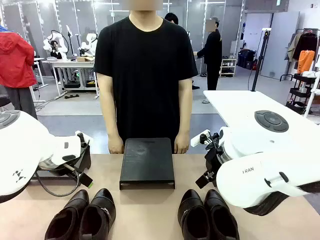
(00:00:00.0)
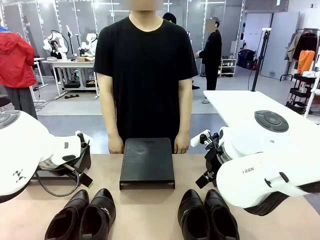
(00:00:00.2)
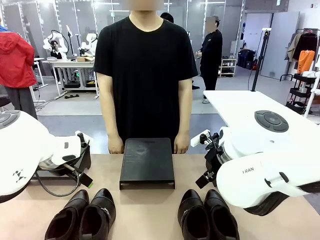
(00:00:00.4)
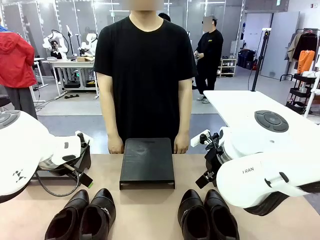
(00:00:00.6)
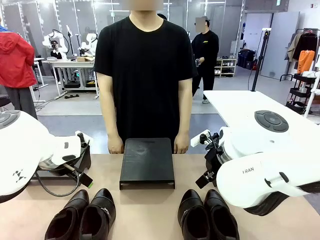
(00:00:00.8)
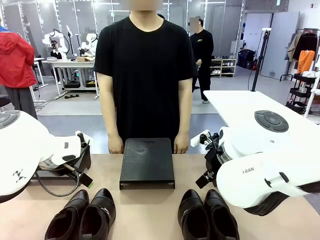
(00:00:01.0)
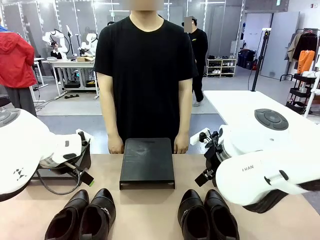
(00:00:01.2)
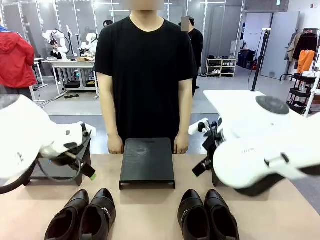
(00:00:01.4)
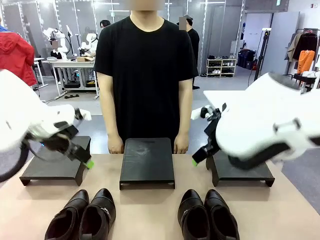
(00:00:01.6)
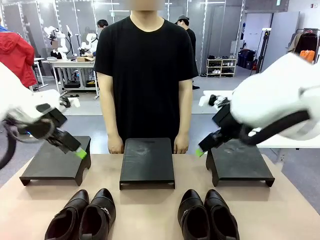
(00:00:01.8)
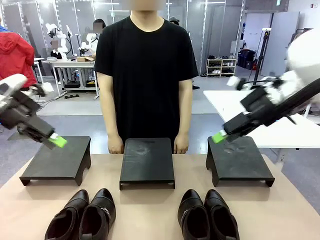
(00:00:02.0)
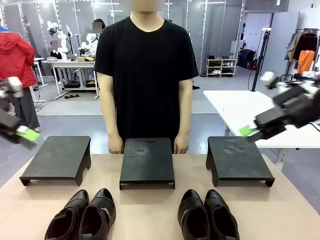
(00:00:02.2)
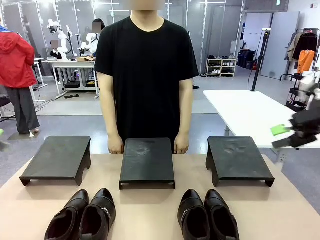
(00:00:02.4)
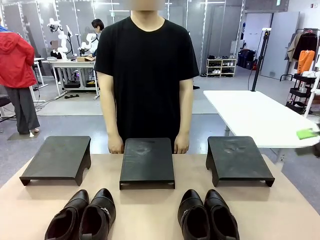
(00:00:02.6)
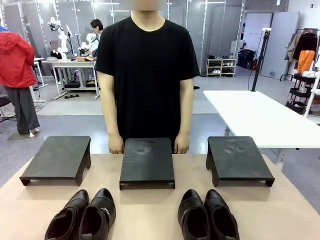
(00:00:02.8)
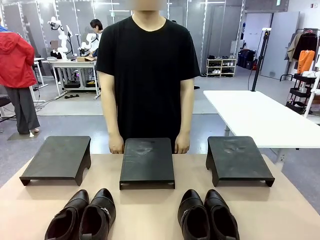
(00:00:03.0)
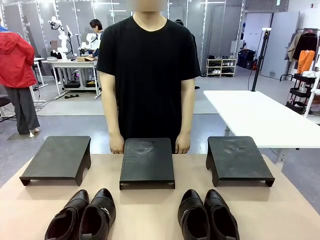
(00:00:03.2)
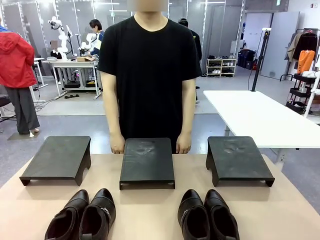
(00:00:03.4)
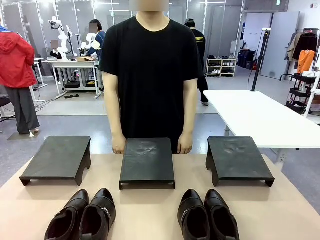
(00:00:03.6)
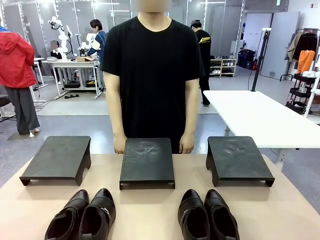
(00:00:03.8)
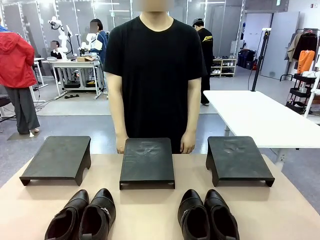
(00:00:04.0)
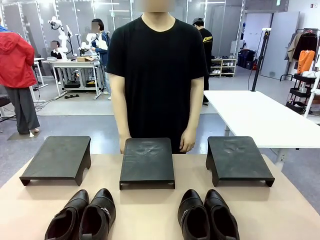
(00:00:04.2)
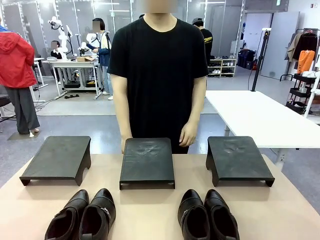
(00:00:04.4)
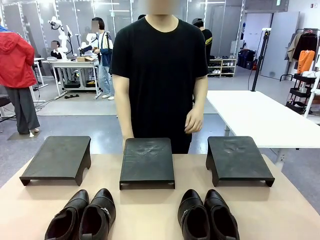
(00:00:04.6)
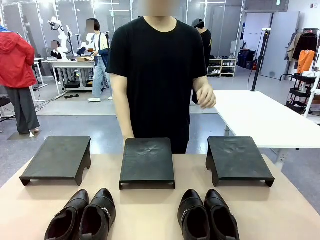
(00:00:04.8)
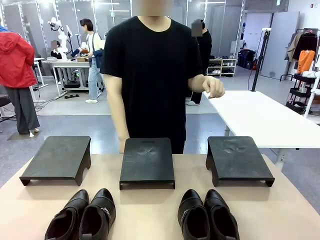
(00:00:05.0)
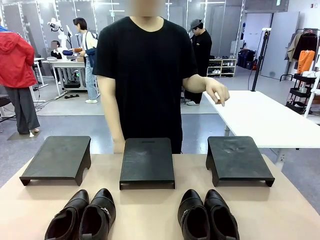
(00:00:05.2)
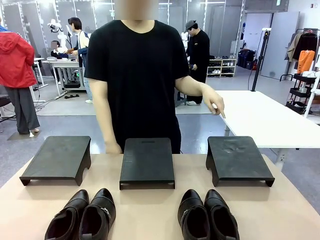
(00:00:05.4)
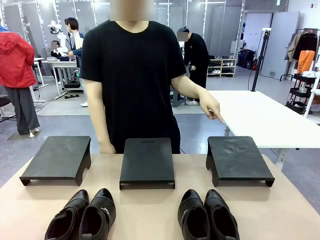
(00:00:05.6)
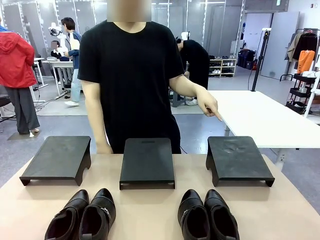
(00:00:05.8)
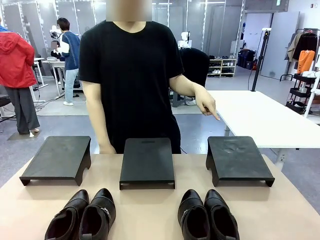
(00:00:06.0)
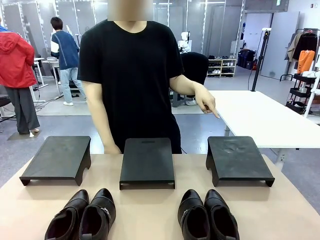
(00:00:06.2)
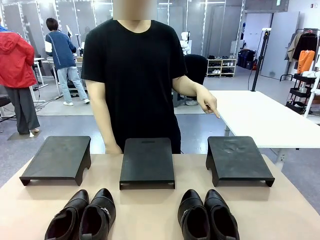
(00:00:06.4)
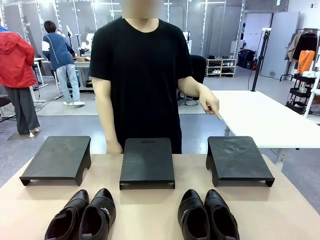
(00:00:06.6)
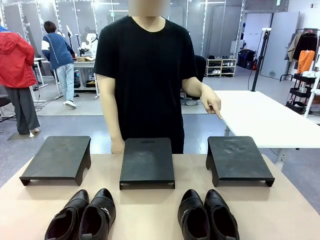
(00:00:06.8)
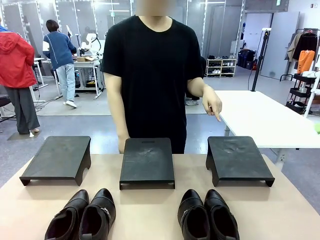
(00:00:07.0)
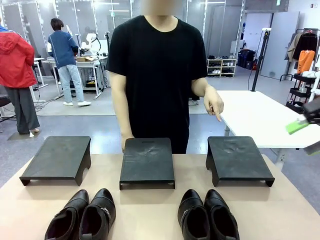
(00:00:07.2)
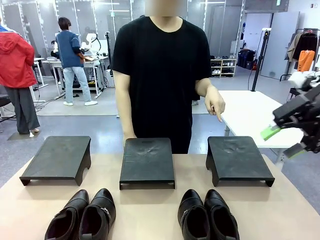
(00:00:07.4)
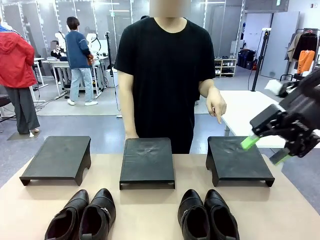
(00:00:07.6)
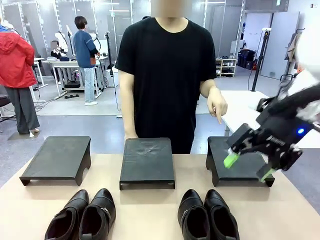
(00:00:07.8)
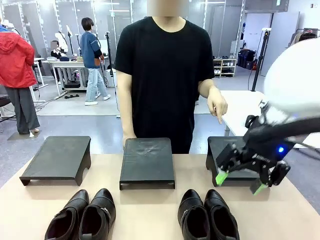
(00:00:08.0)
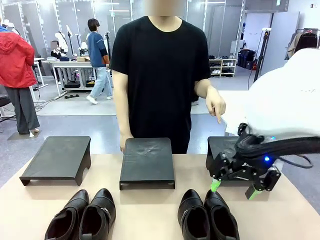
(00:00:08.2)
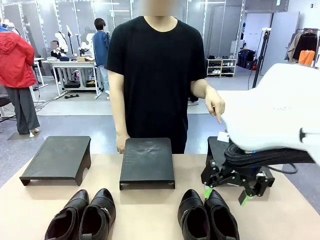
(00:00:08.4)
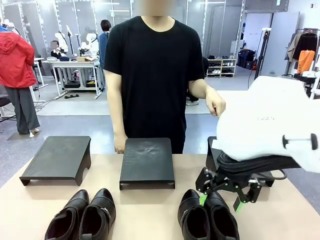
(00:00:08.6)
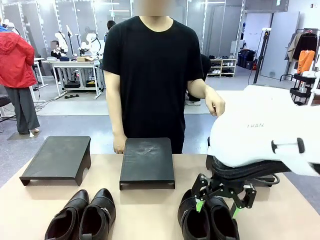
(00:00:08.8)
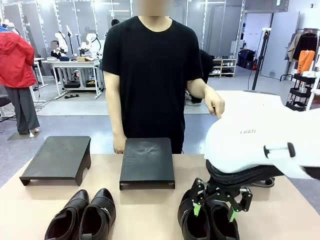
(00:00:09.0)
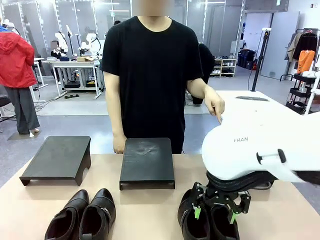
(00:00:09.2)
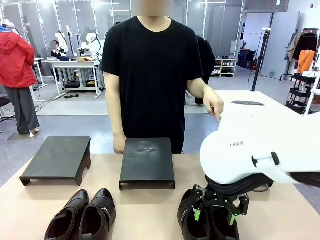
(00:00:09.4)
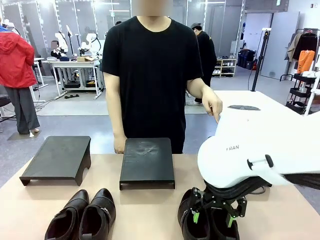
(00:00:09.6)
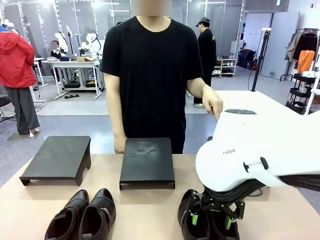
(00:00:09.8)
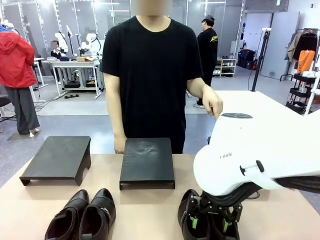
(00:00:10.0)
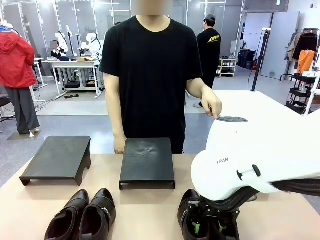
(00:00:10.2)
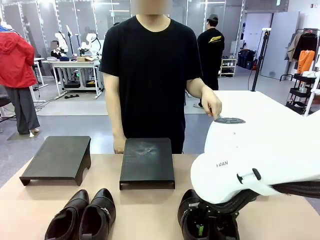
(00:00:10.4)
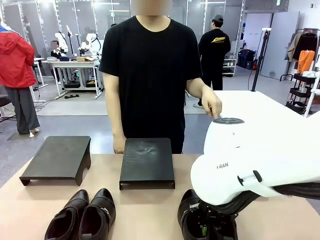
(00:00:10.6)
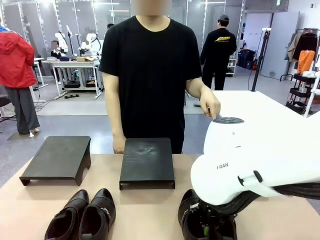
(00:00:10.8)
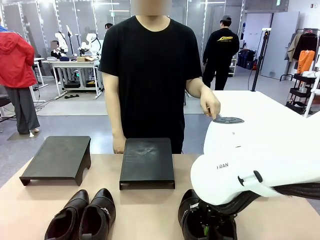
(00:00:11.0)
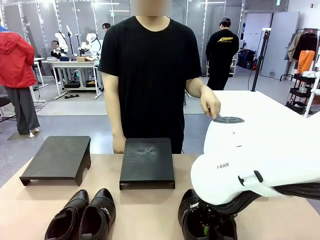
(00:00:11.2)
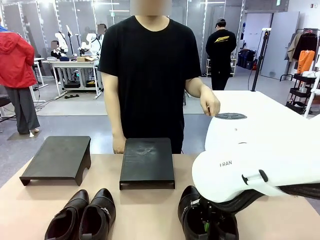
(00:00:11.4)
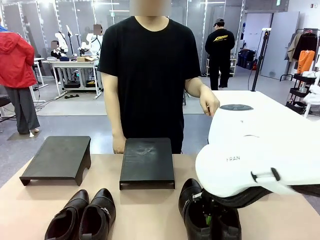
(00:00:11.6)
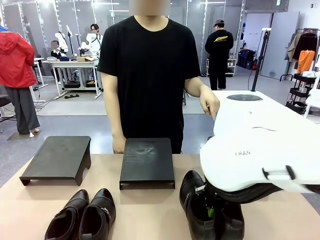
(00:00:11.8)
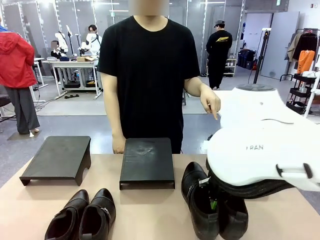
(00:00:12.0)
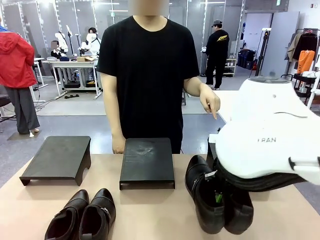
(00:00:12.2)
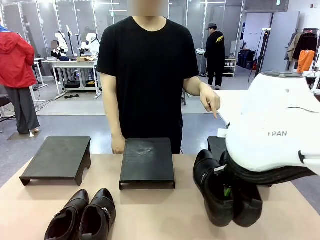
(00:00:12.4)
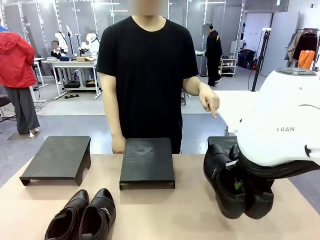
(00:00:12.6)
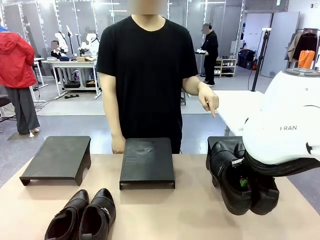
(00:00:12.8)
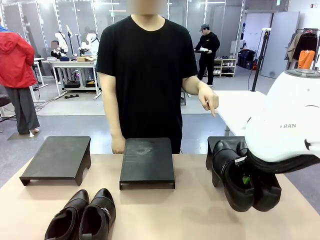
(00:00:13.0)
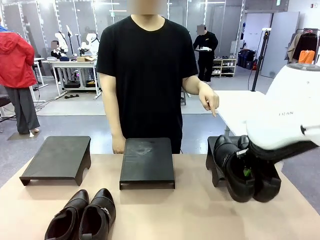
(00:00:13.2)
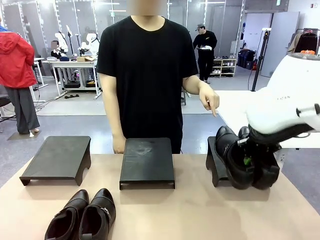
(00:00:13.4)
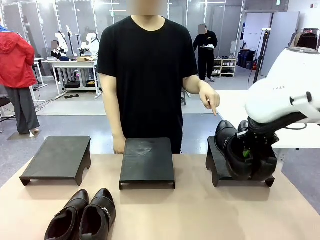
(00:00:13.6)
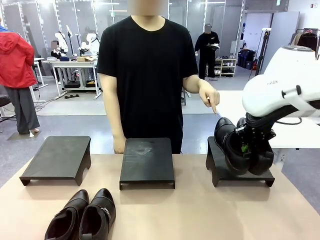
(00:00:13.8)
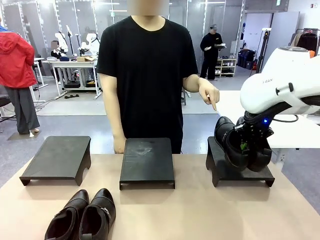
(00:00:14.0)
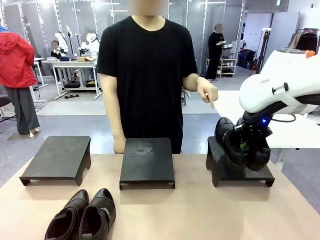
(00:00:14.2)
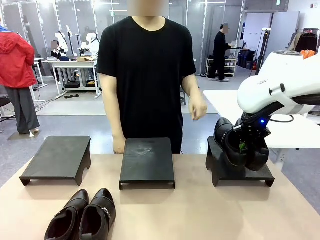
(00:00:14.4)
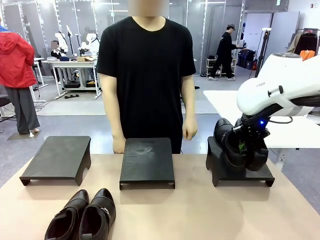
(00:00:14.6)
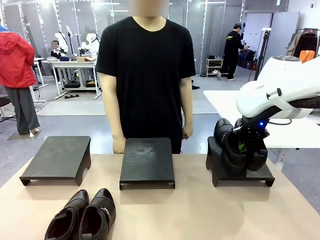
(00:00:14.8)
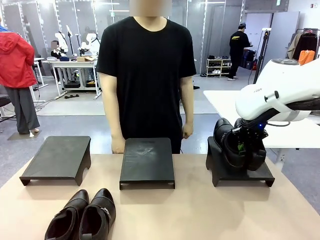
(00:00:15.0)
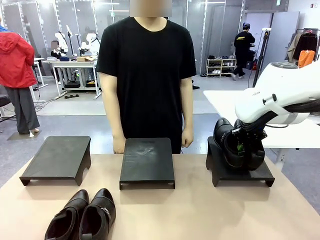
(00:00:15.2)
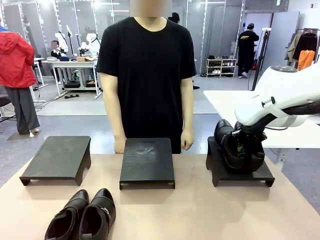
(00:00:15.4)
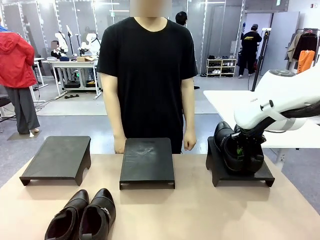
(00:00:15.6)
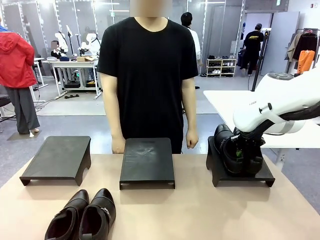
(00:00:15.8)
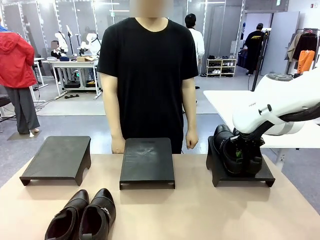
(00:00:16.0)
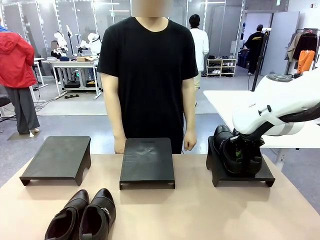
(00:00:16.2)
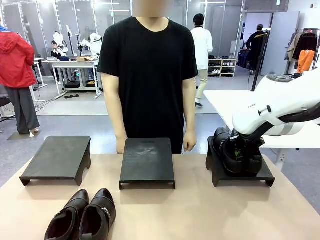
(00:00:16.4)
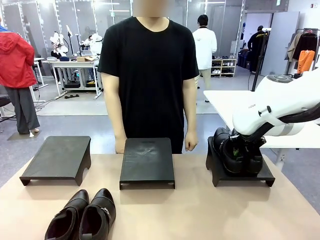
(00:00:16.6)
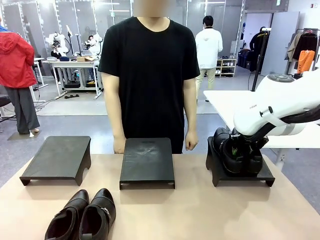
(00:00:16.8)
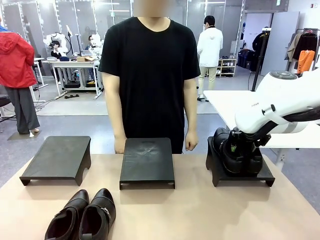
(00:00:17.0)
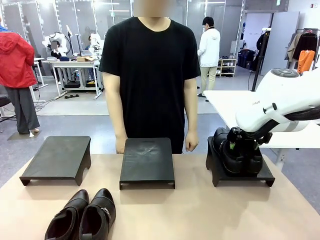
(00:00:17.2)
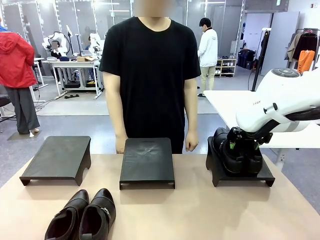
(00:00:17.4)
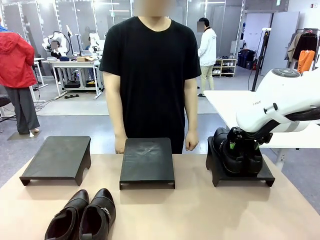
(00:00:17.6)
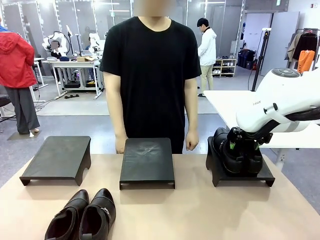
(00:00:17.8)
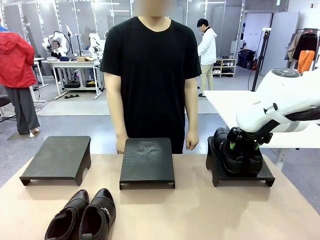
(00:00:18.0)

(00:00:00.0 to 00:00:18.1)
Task: Place the shoes on the stand as instructed by the person.
Robot: Pick up one pair of Shoes and place it on the Shoes Stand indicated by the person.
